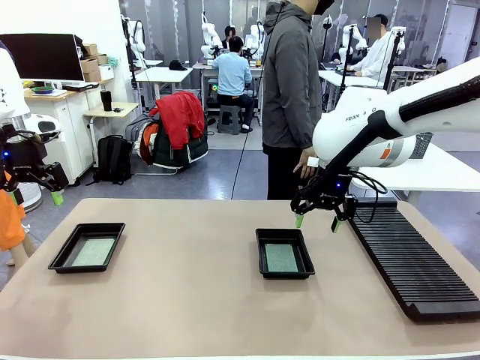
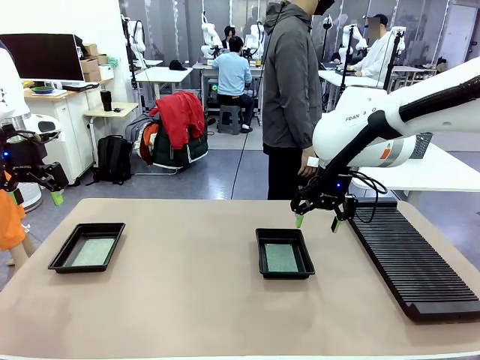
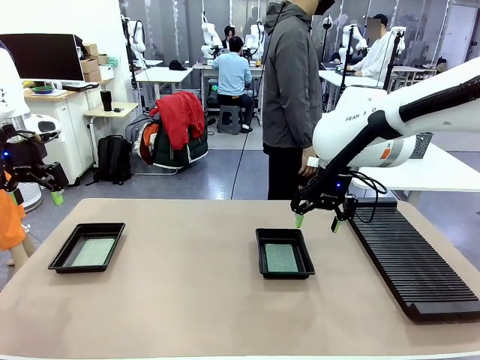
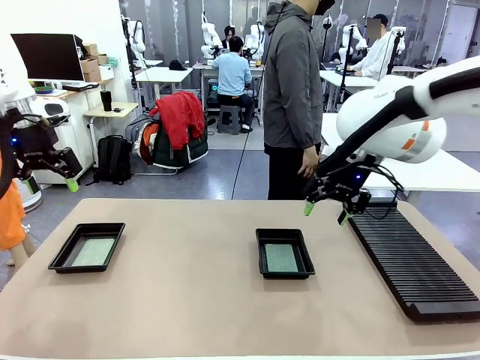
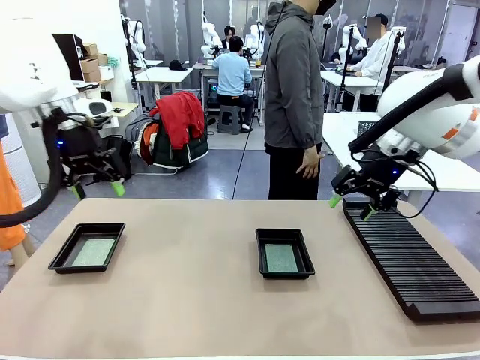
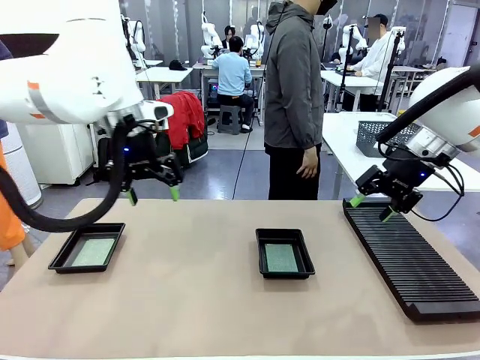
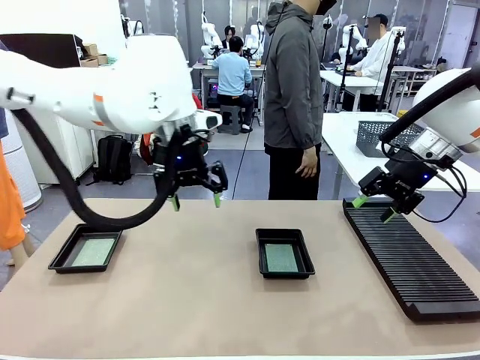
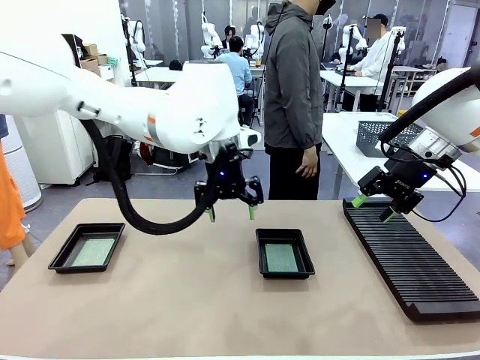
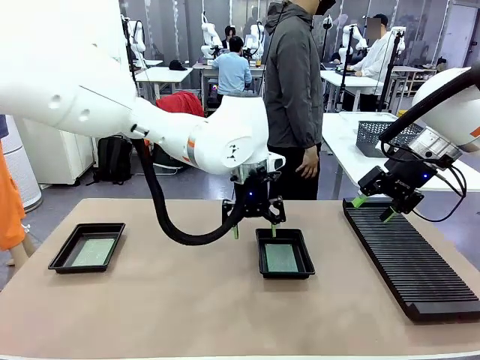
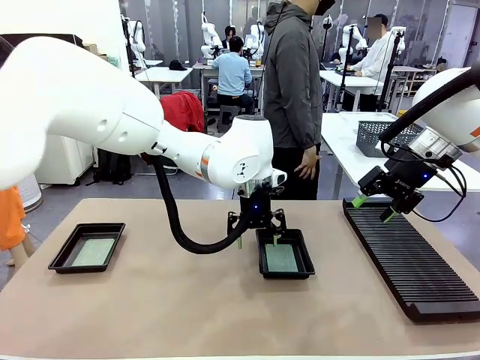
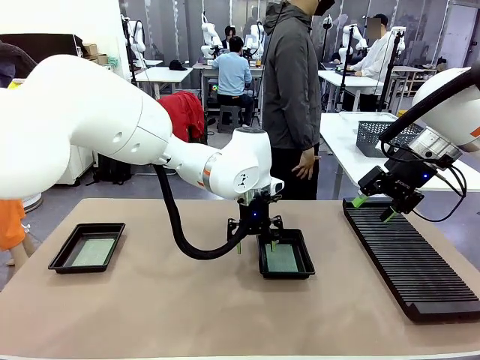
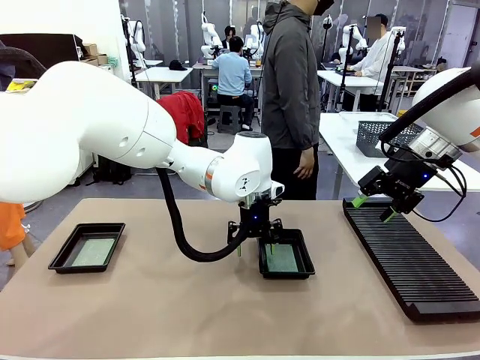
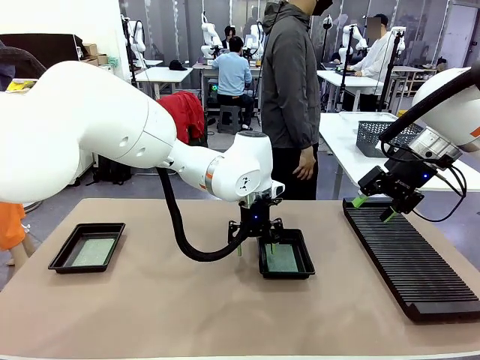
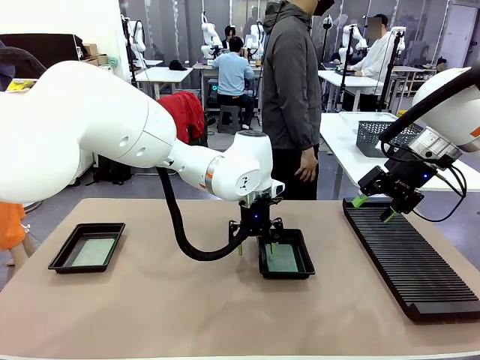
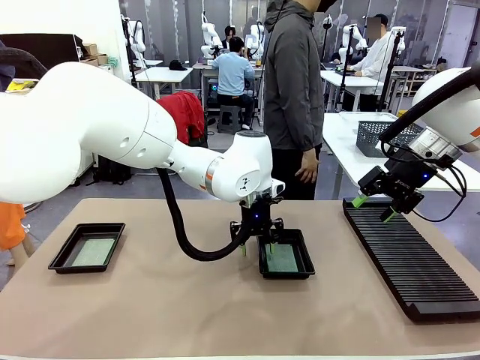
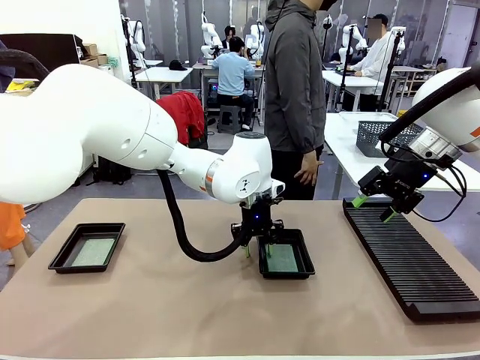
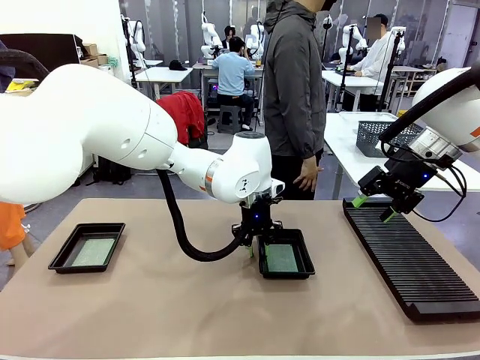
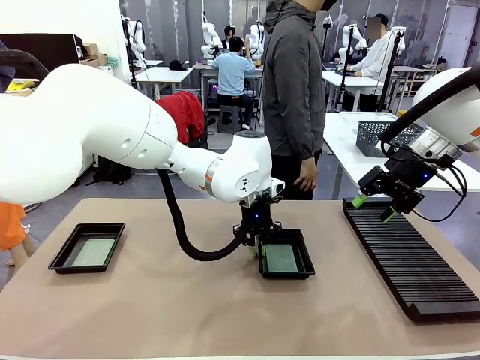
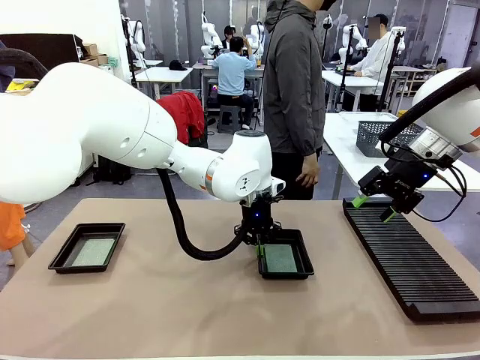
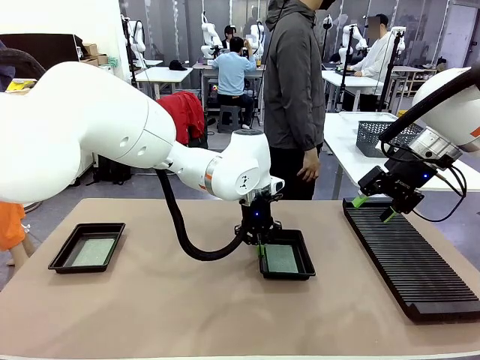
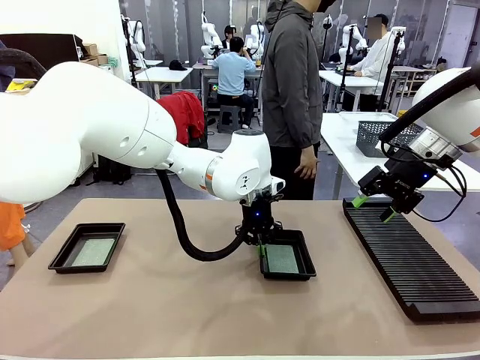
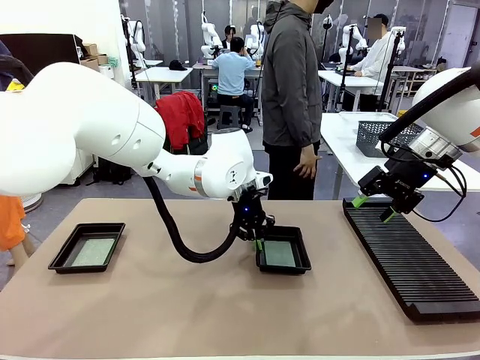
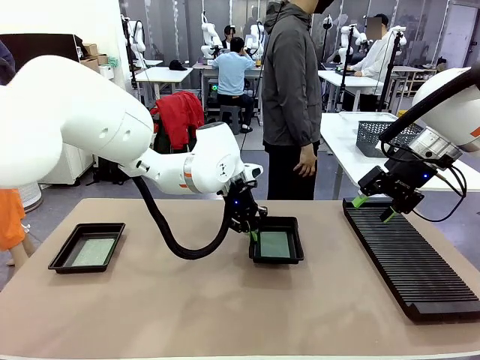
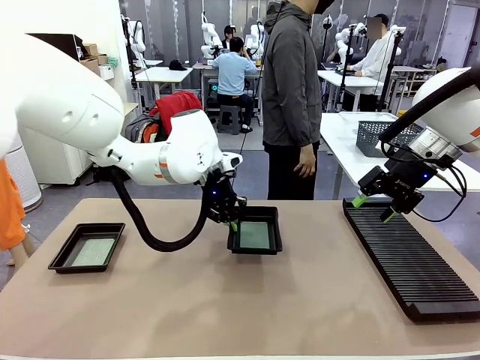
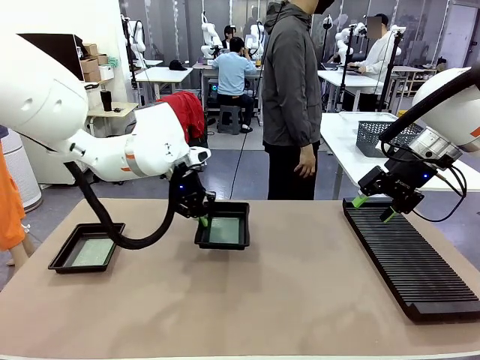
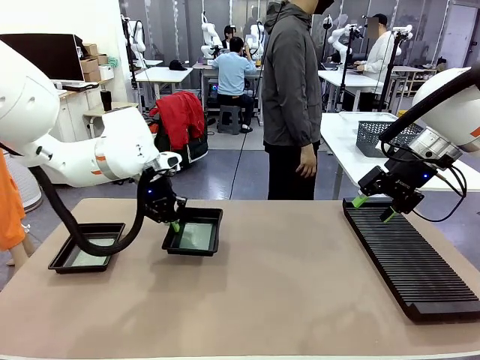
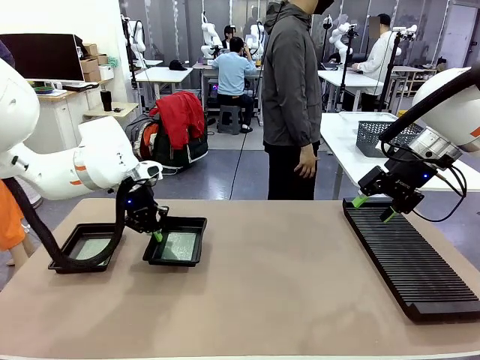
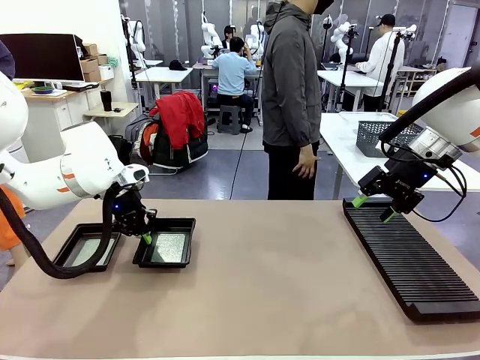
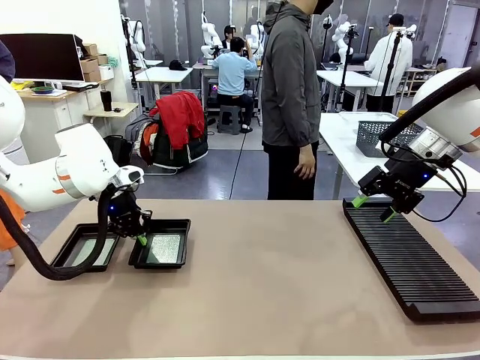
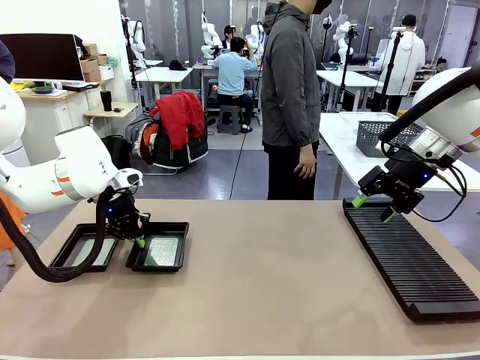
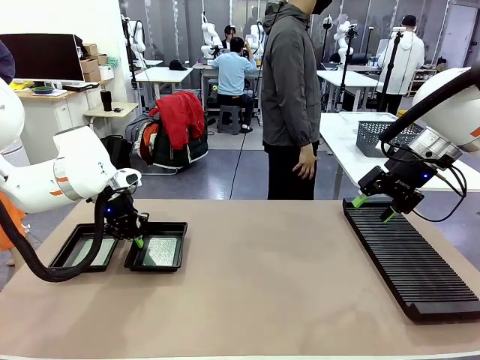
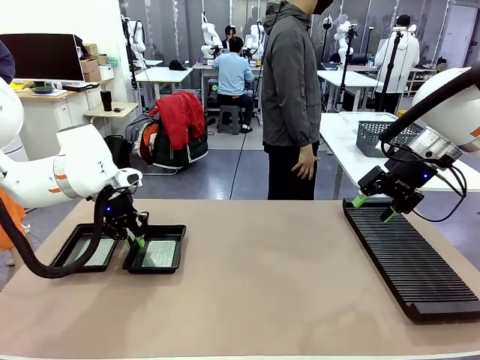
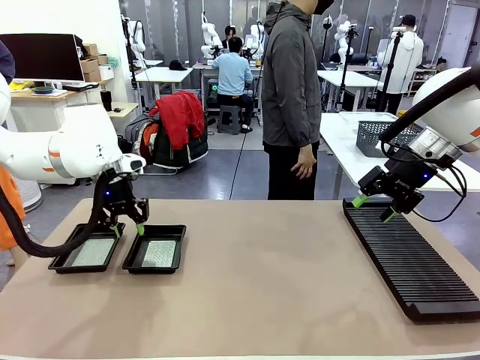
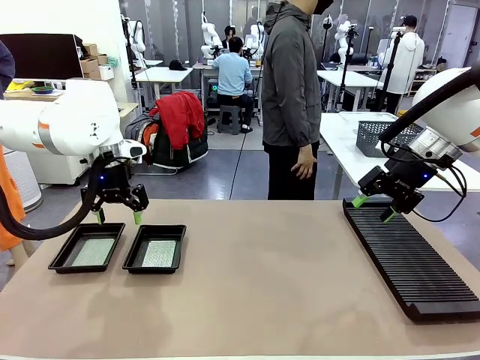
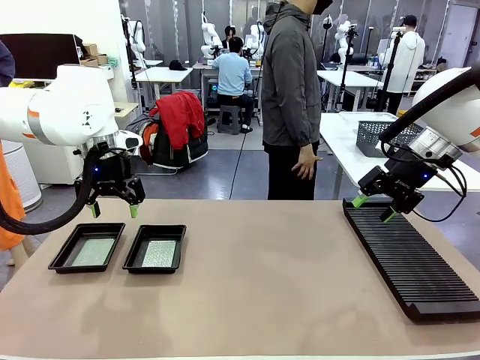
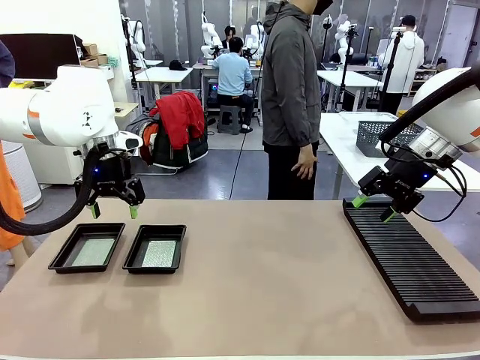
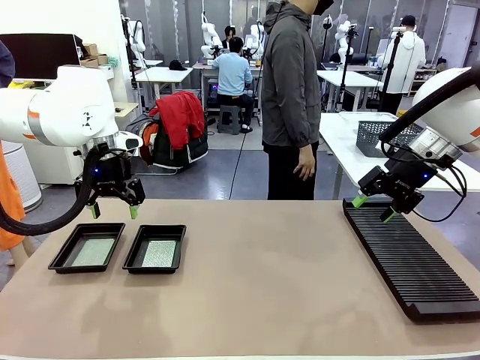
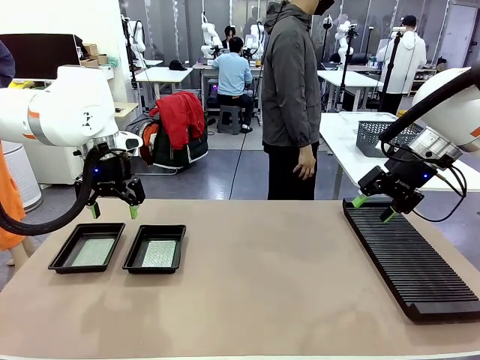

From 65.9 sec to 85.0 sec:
Task: Inspect and transfer BCBs to ESD trays.
Robot: Pick up the ESD tray and place it on the left side of the table.

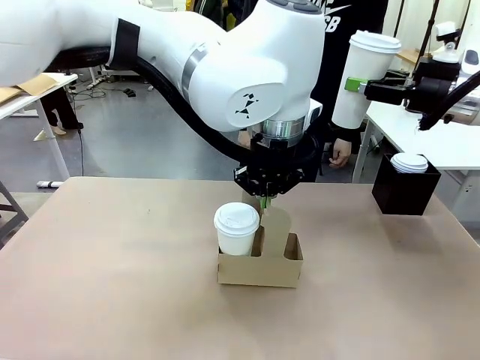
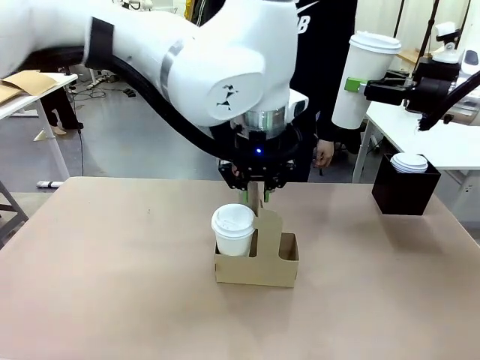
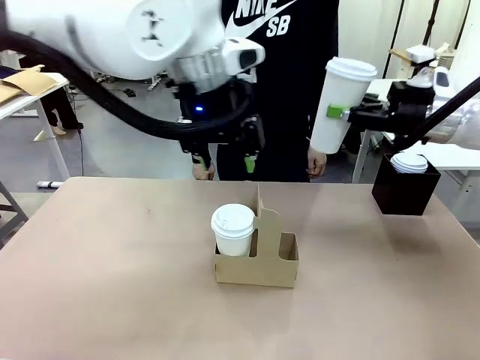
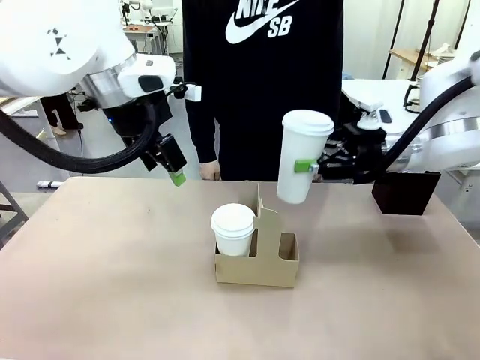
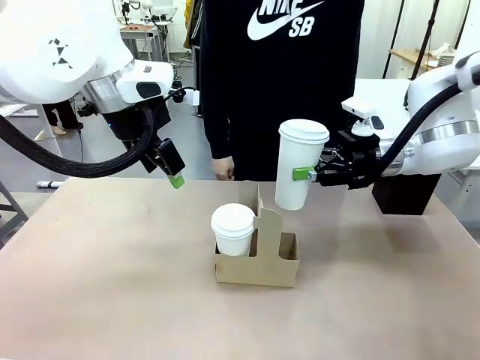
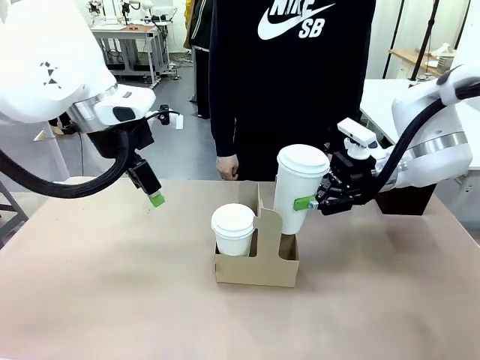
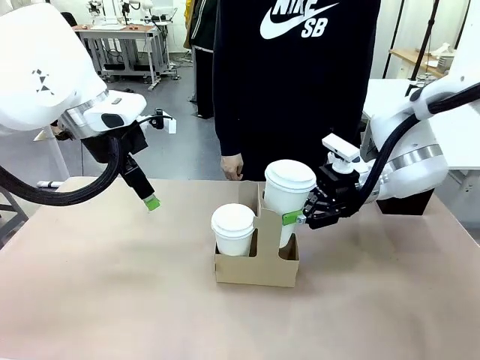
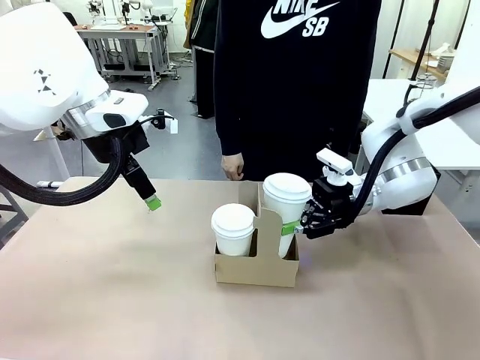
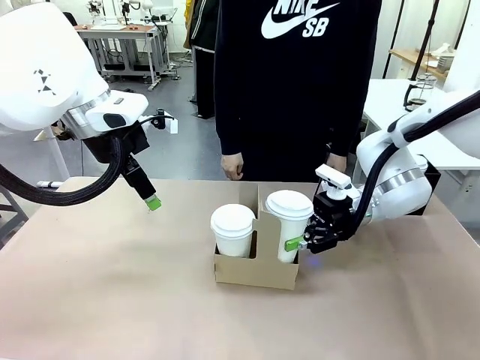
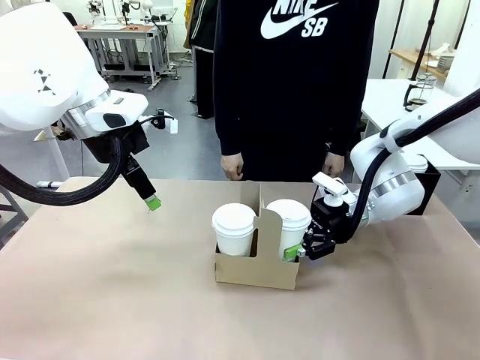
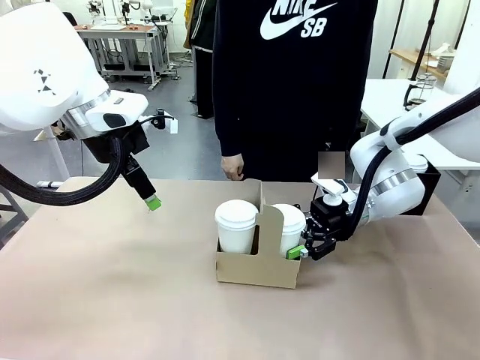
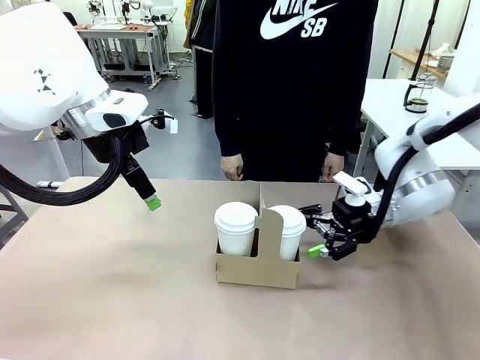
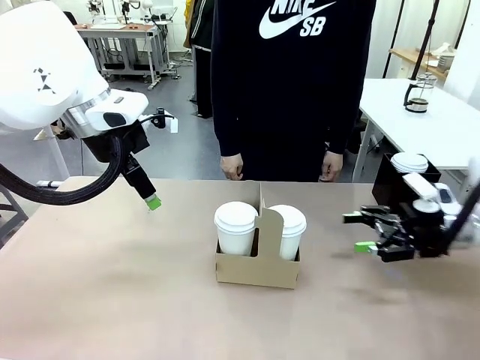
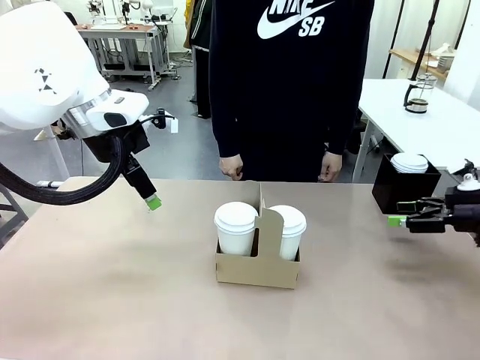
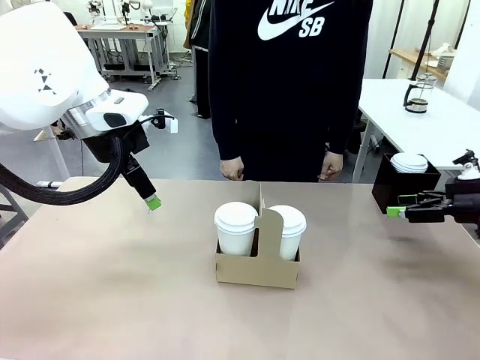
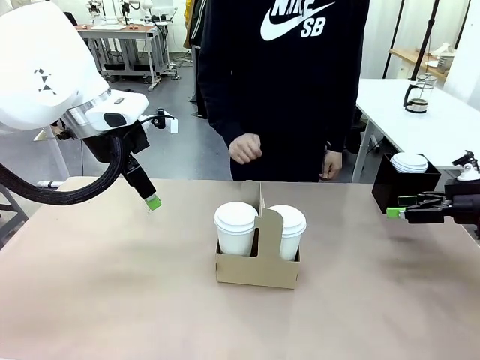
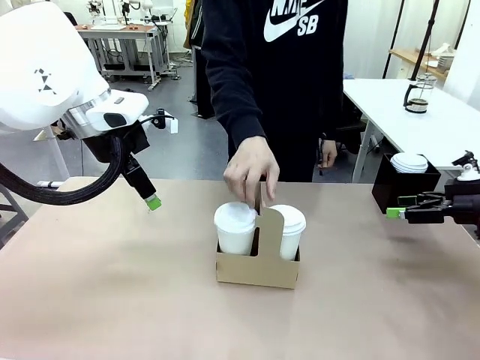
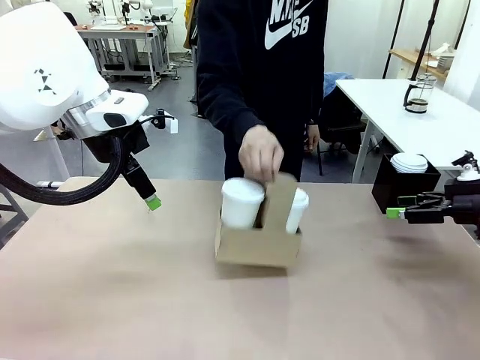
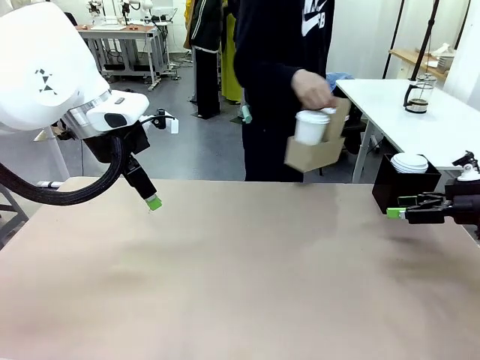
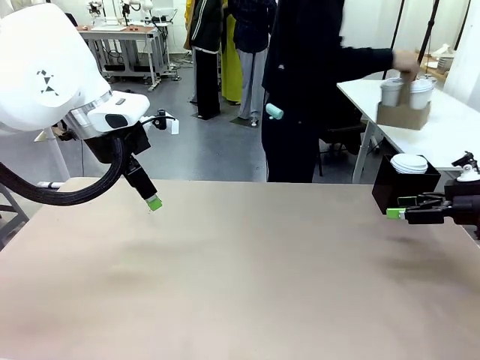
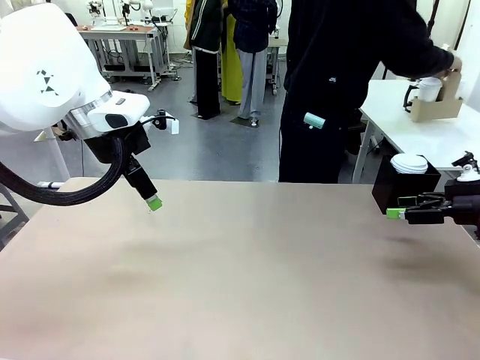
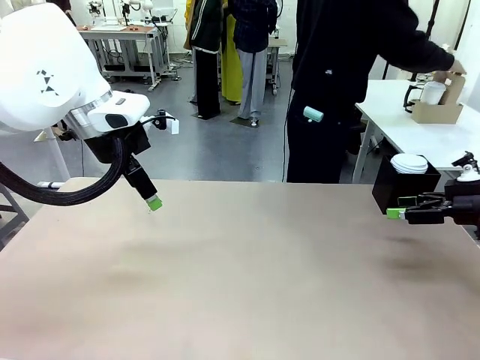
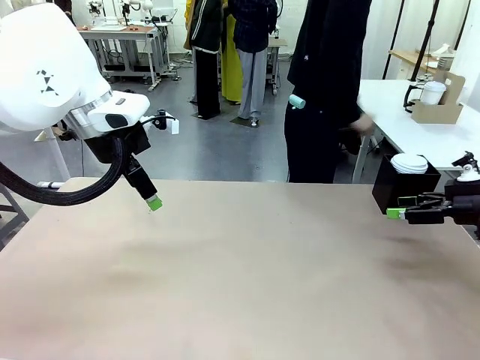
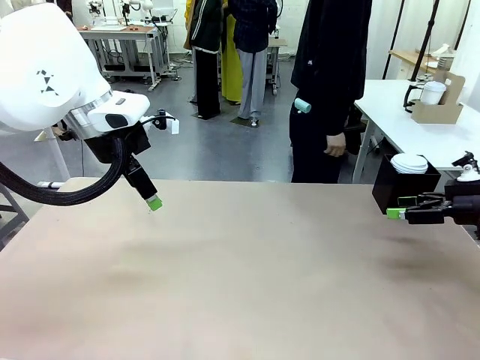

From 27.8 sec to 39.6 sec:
Task: Pour a drink into a cup and package it in a carrier.
Robot: Insert the held 600 ml Paper Cup into the Cup Carrier.
Person: Place the Cup Carrier to the middle of Human table.
